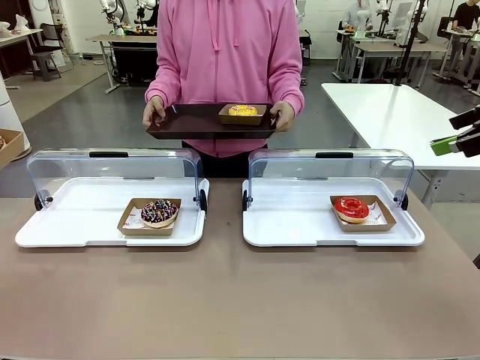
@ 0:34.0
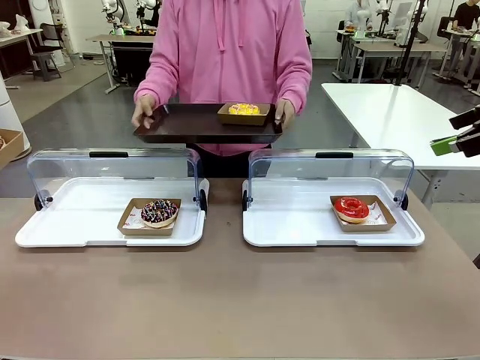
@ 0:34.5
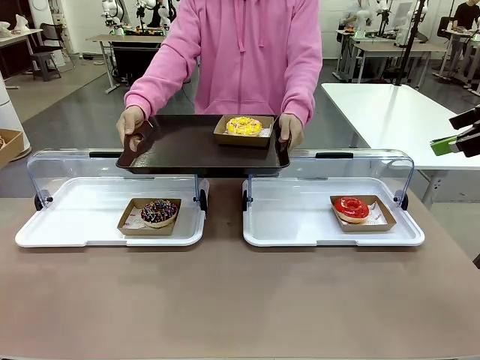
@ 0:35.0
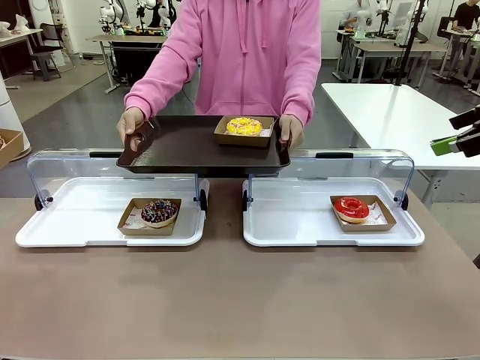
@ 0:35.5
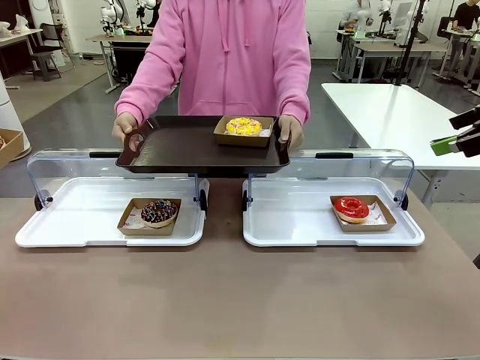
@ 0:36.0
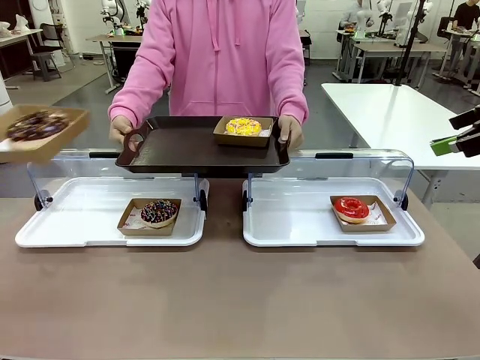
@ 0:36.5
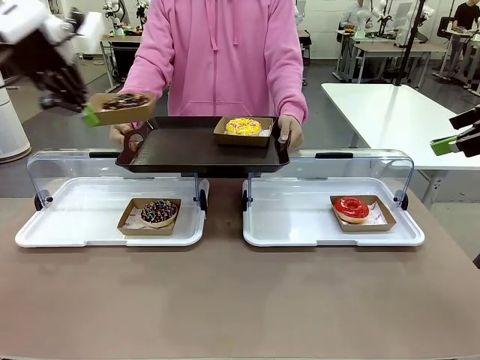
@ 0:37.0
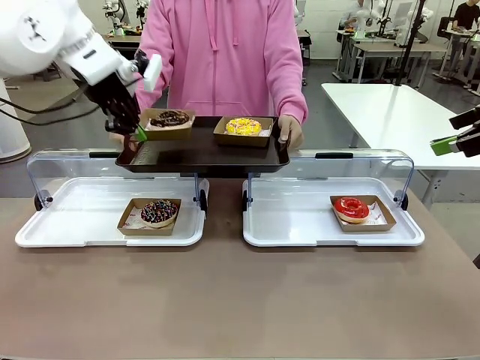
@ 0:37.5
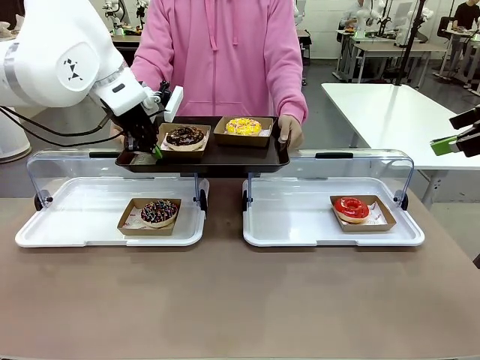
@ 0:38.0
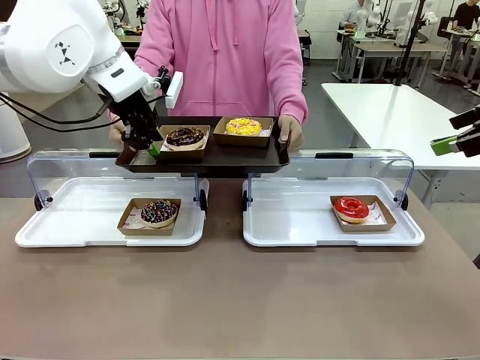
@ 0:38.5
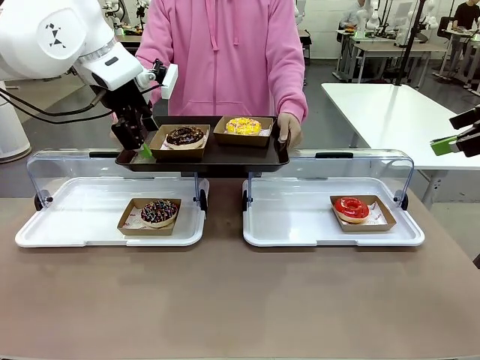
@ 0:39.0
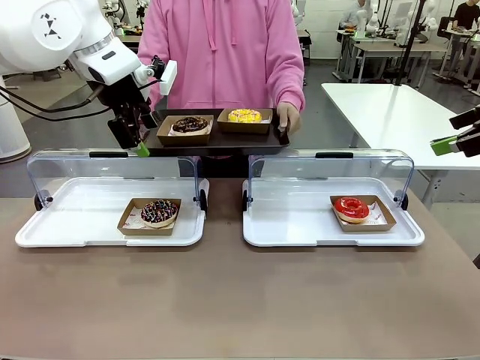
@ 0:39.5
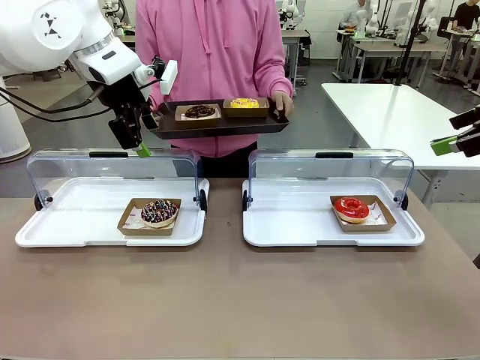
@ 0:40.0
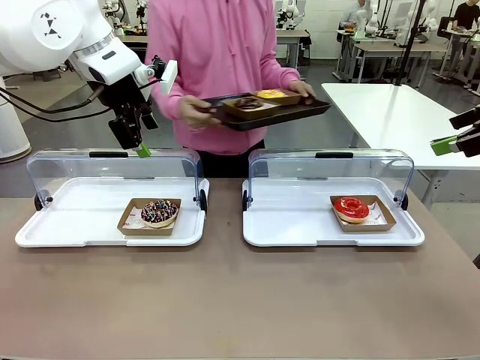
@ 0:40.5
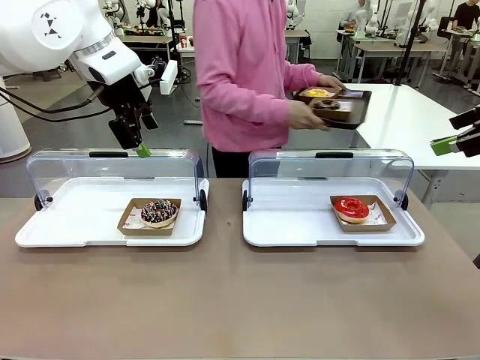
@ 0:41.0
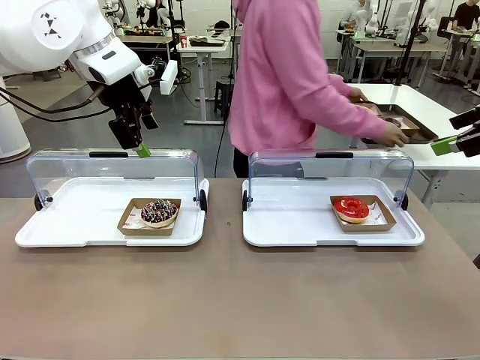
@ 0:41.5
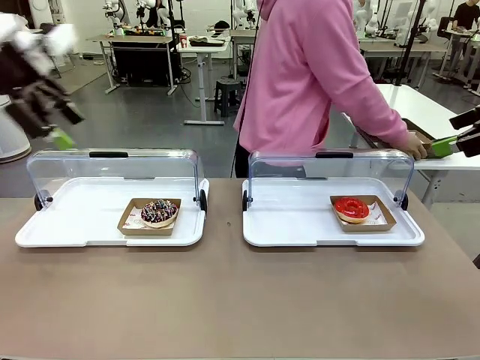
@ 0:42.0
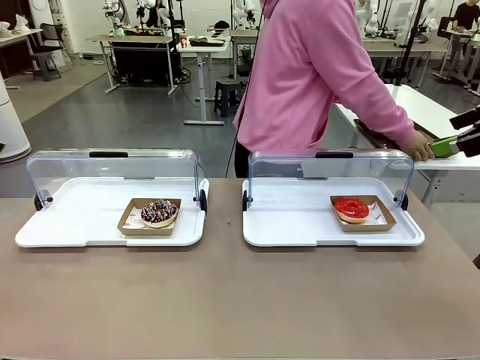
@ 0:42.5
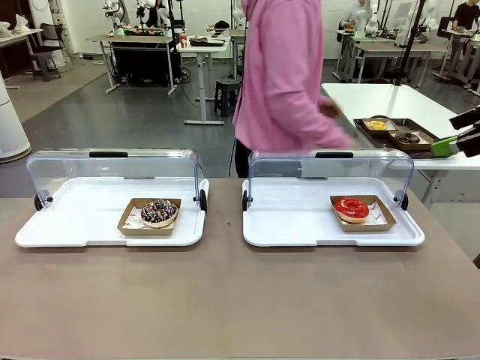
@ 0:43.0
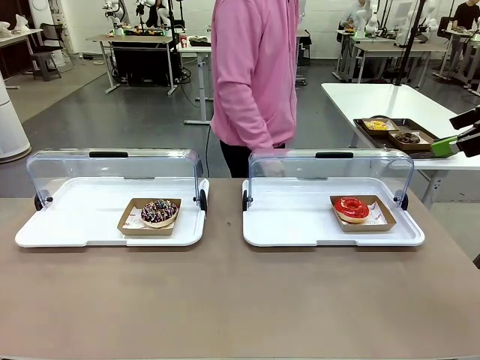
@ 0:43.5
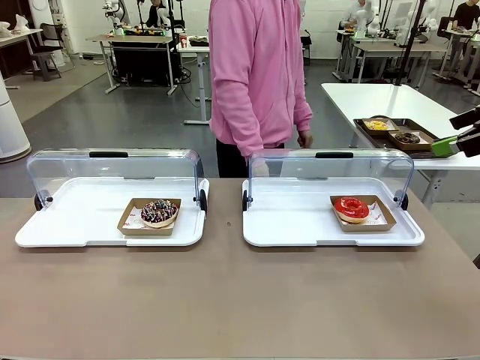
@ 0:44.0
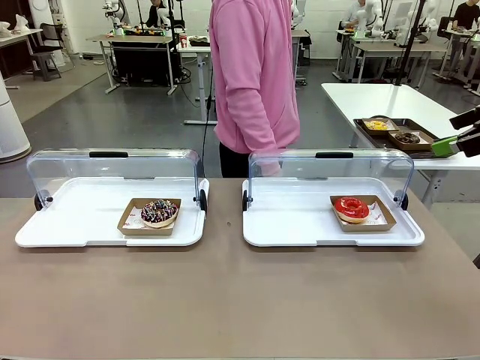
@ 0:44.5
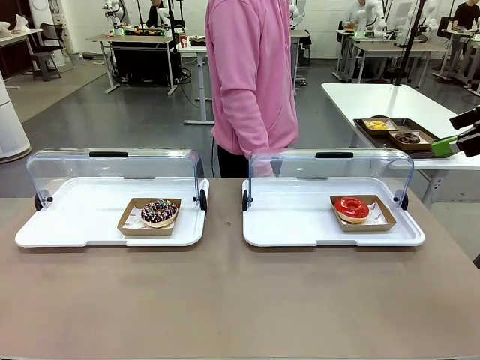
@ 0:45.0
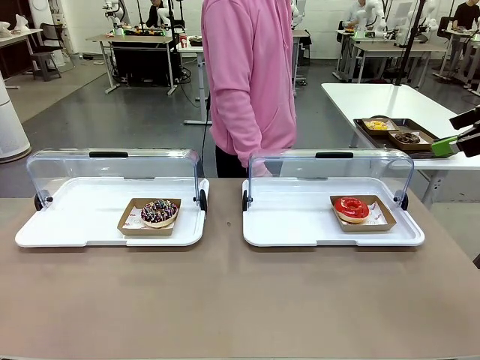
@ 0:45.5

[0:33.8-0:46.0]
Task: Provide the desired donut to the person.
Robot: Place the picked Paper togo box onto the Handle tray extended by the person.
Person: Place the tray in the middle of the human table.

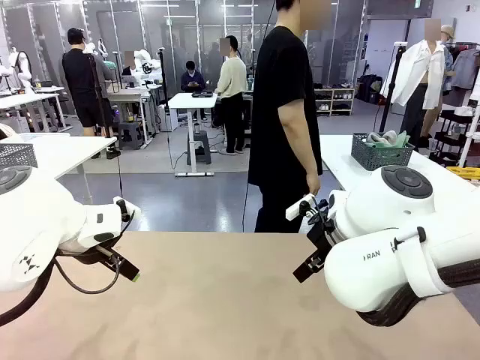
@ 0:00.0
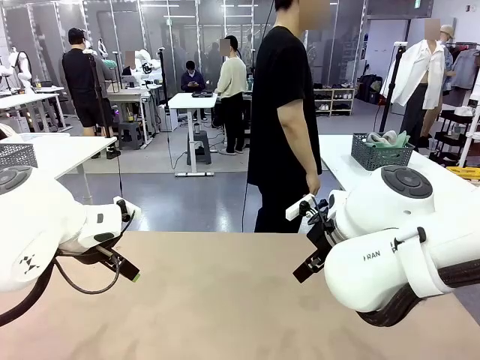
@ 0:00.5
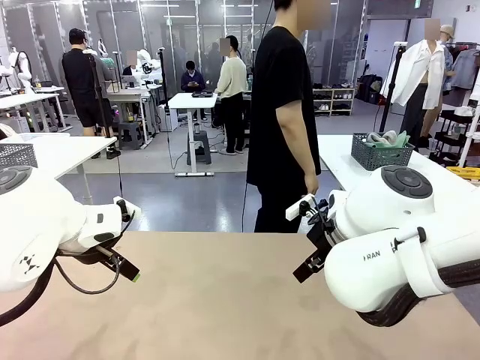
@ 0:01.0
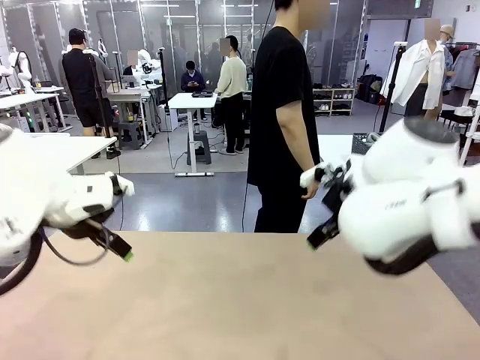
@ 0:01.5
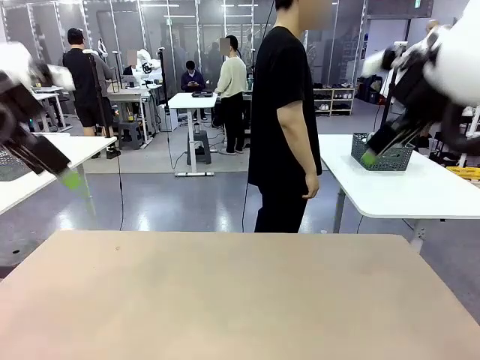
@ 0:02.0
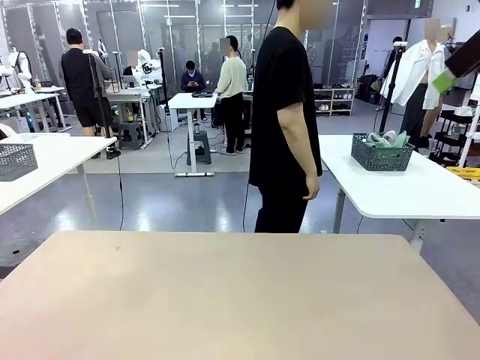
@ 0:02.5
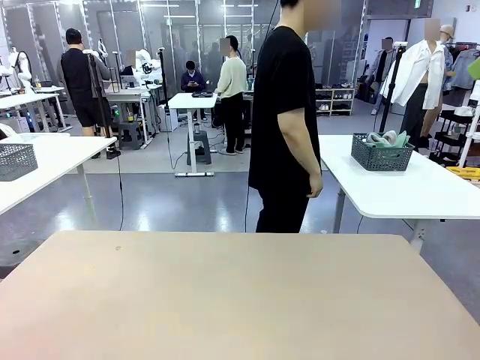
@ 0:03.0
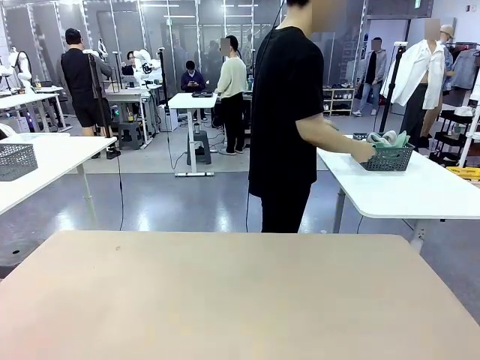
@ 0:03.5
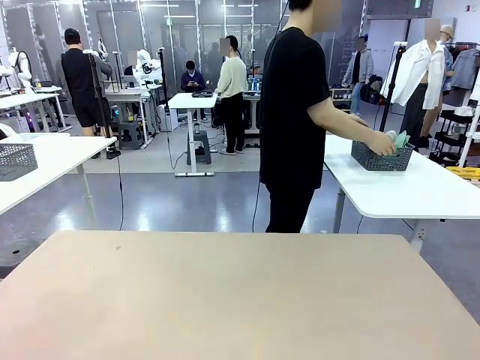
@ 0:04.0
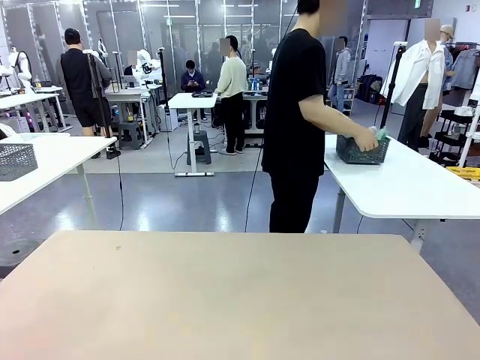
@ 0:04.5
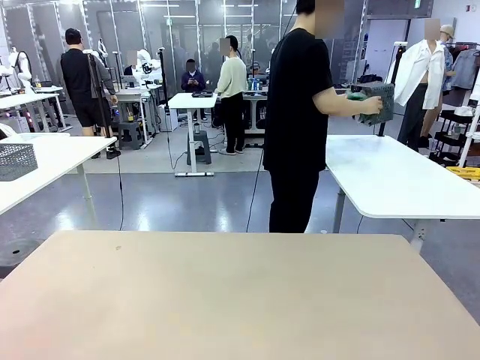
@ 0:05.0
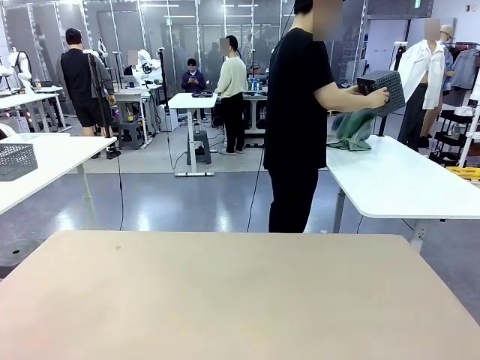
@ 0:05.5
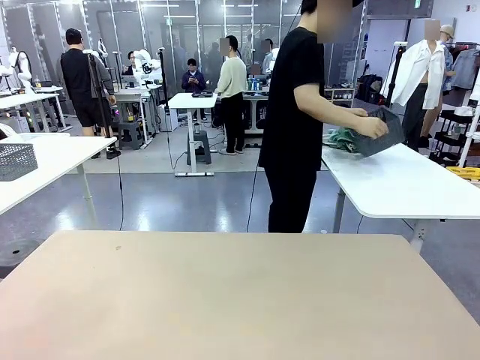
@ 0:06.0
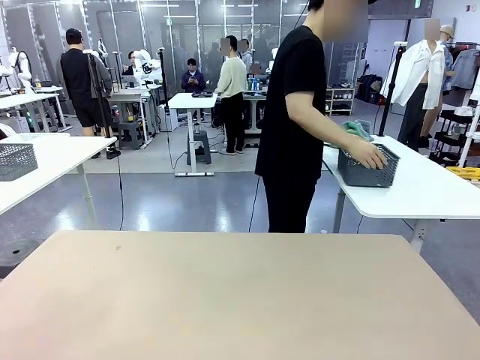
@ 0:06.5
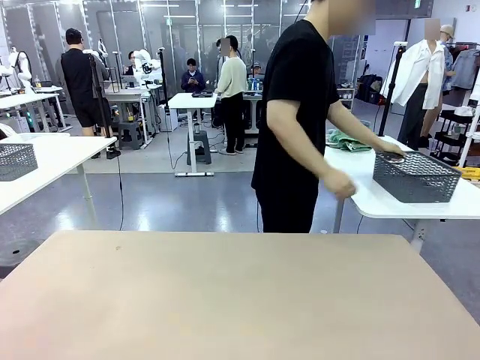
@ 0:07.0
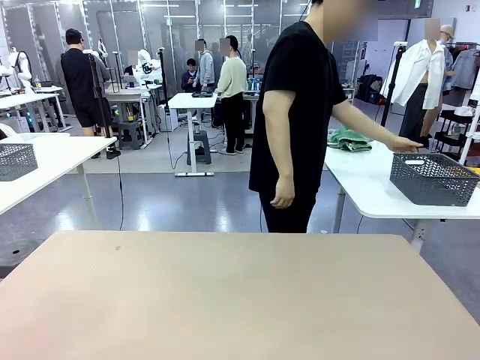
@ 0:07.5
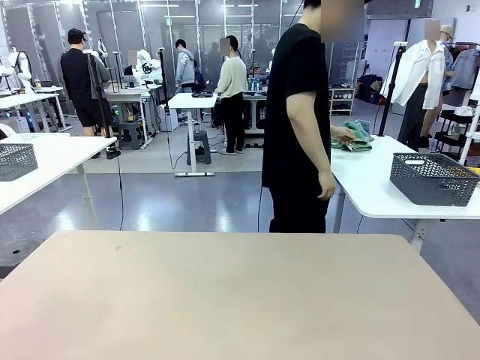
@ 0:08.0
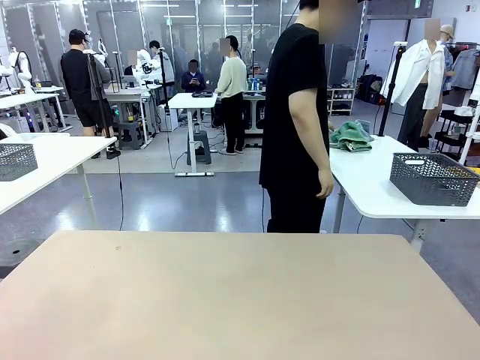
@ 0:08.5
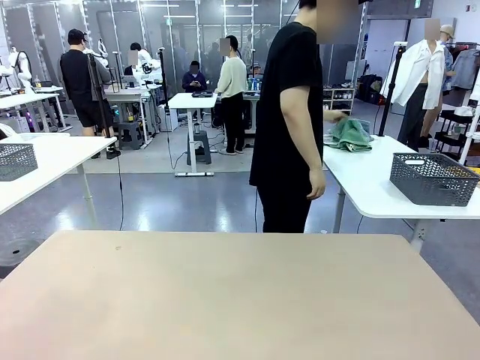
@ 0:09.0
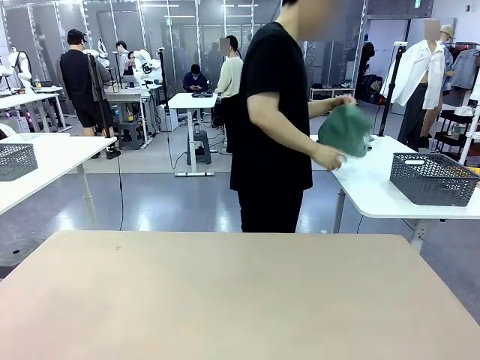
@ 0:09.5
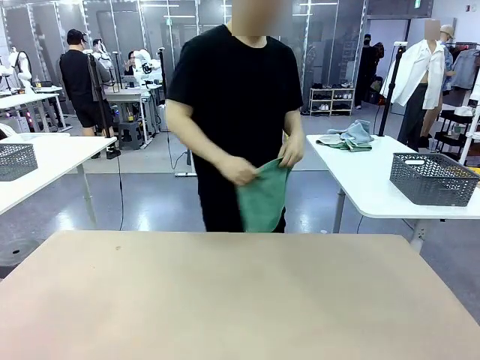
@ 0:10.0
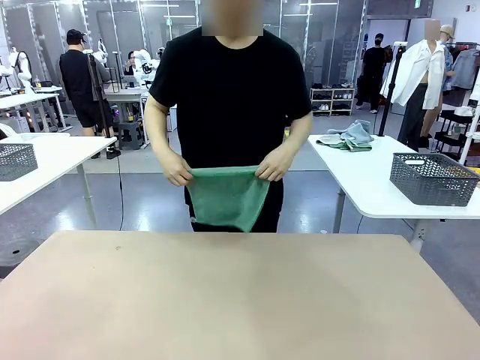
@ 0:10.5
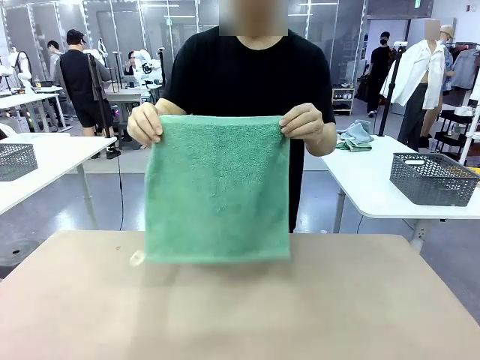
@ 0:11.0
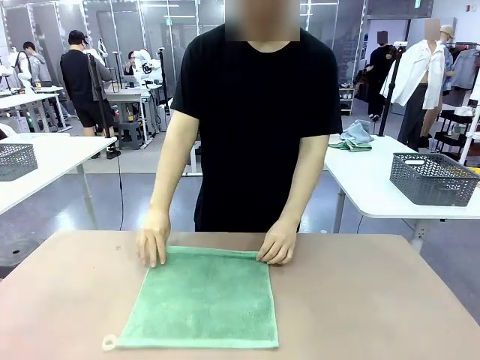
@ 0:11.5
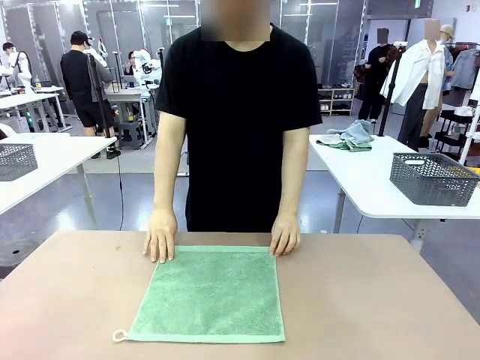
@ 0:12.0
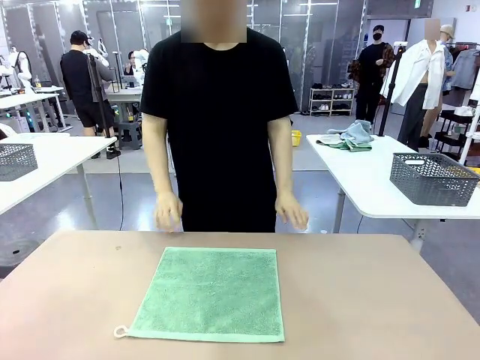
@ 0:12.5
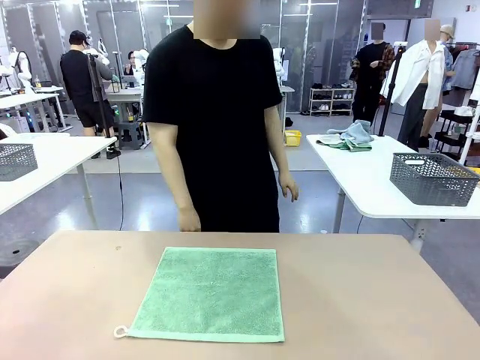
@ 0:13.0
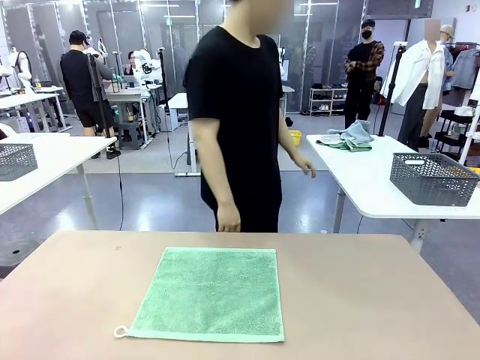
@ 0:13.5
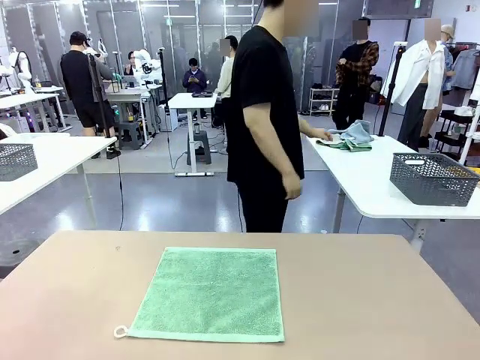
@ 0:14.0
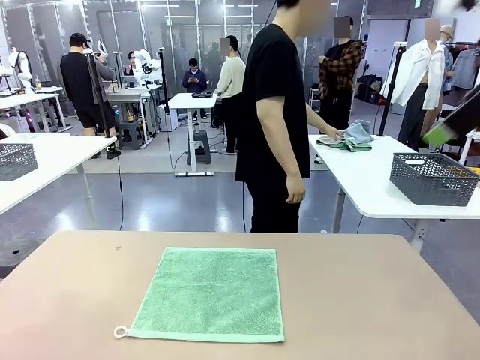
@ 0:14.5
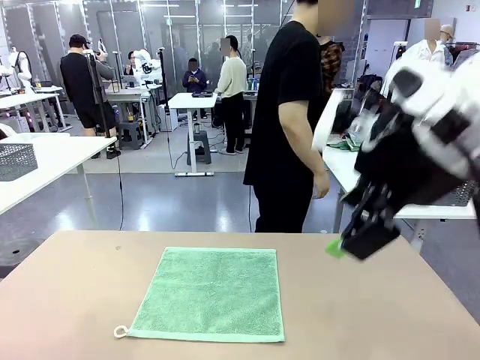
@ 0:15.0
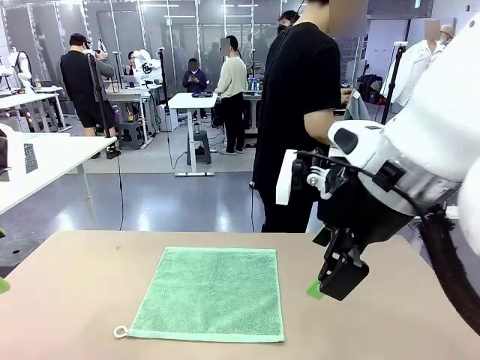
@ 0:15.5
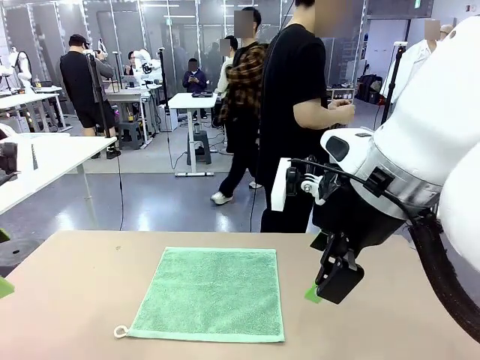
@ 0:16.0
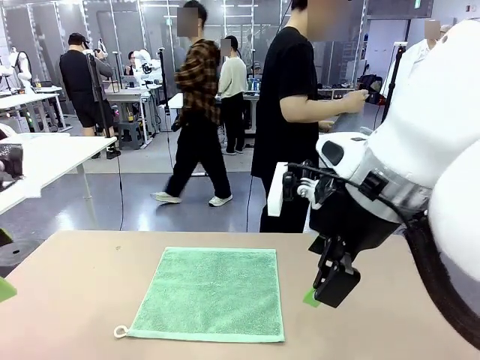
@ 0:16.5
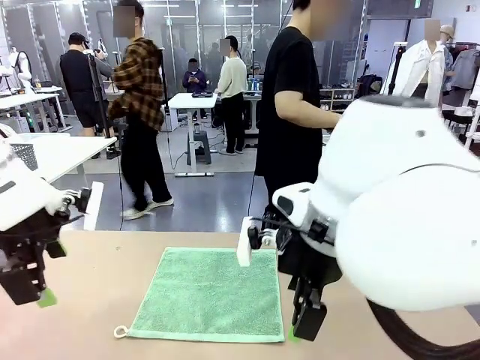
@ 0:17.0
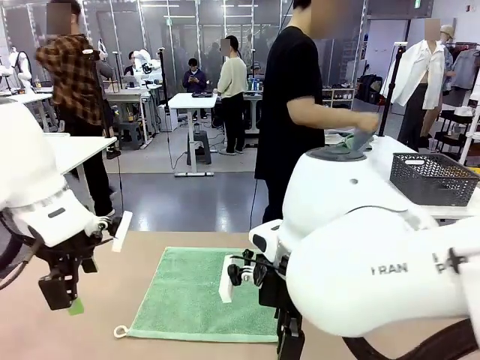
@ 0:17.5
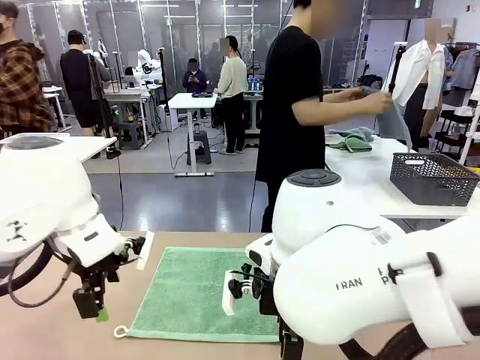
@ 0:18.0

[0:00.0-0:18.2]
Task: Fold the towels and place them in the basket.
Robot: When a person lays out a Towel with hook on the table, fold it in half twice.
Person: Pick up the basket, pour the towels onto the left side of the human table, and place the basket on the right side. Pick up one towel and spread it out at the center of the robot table.
